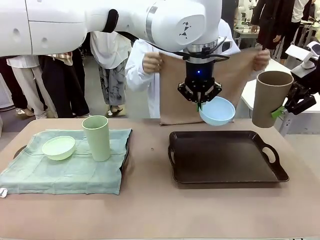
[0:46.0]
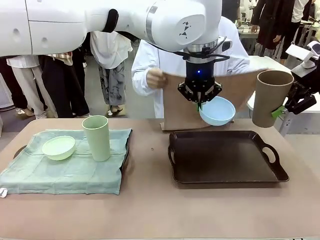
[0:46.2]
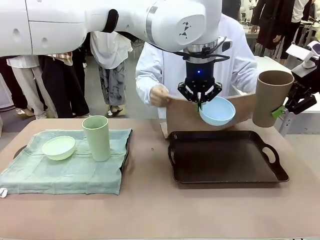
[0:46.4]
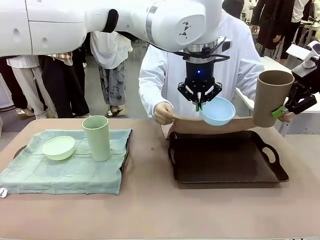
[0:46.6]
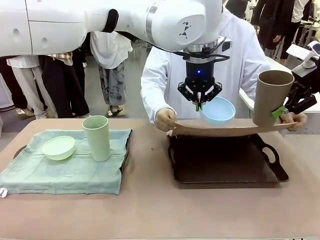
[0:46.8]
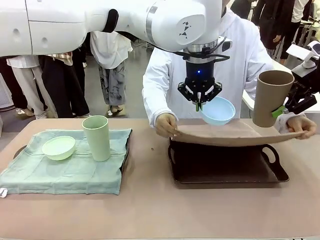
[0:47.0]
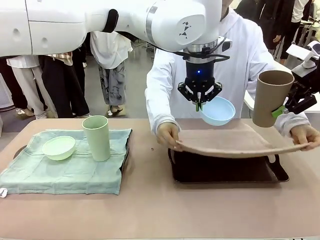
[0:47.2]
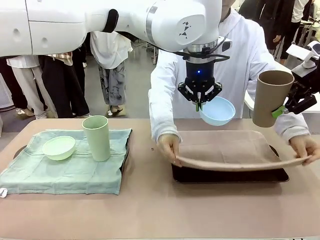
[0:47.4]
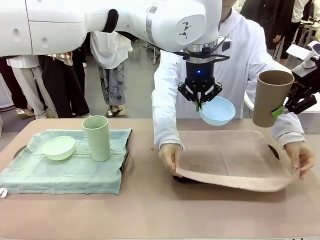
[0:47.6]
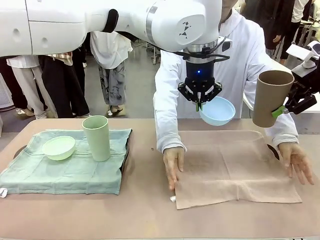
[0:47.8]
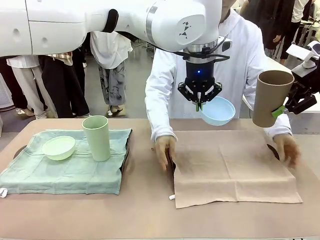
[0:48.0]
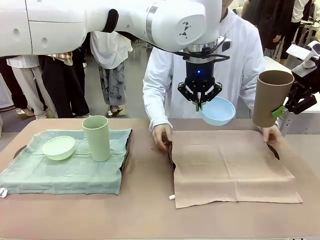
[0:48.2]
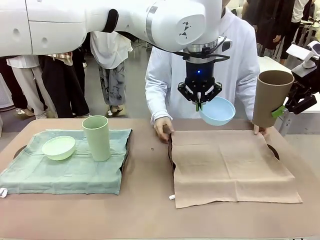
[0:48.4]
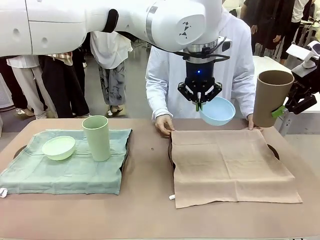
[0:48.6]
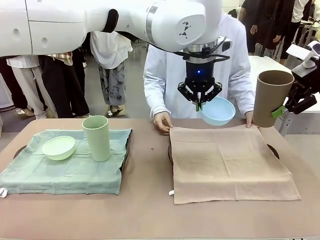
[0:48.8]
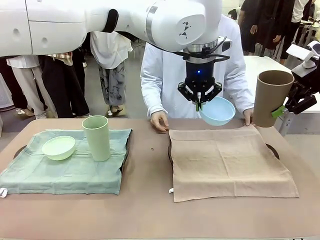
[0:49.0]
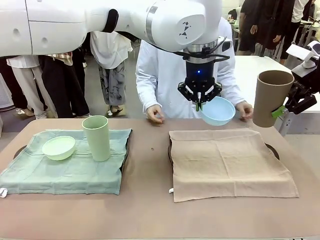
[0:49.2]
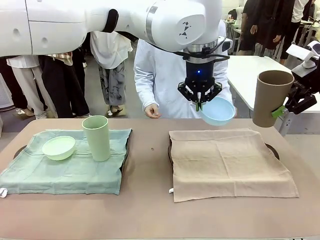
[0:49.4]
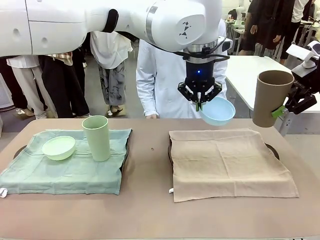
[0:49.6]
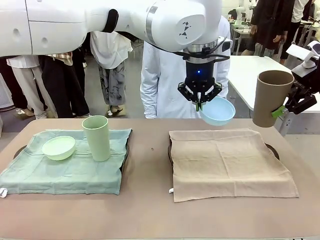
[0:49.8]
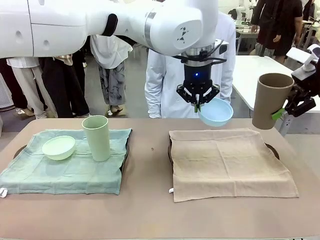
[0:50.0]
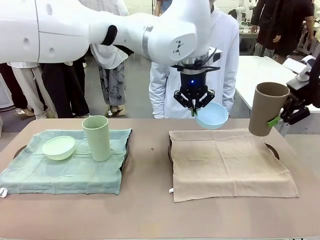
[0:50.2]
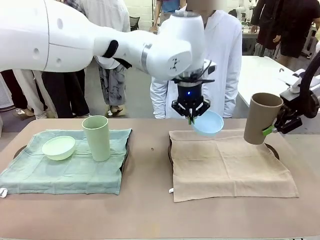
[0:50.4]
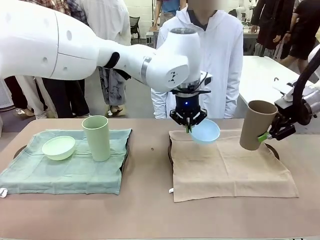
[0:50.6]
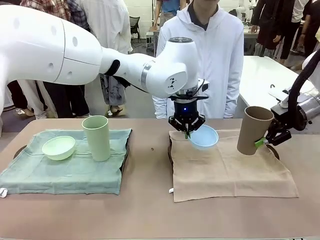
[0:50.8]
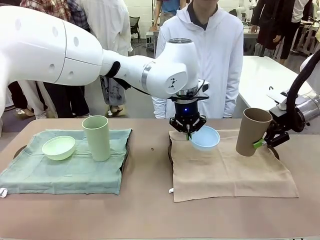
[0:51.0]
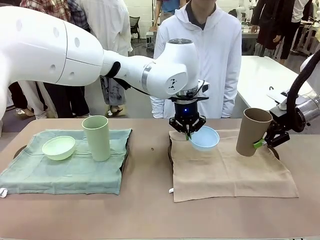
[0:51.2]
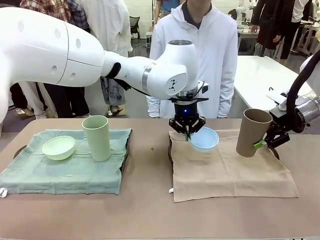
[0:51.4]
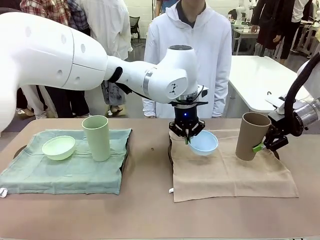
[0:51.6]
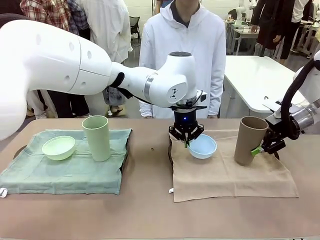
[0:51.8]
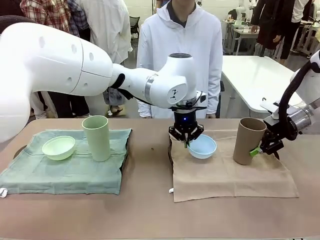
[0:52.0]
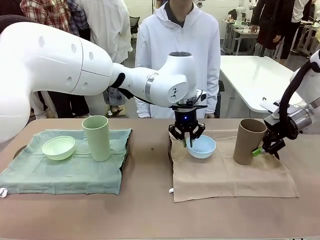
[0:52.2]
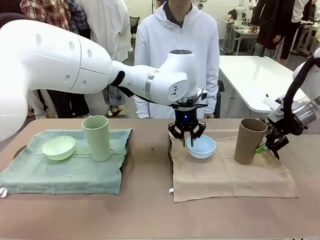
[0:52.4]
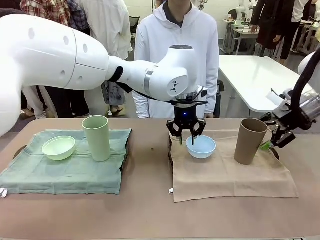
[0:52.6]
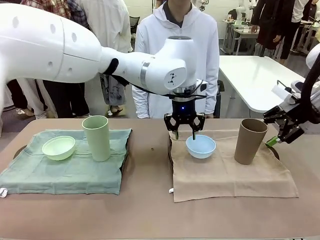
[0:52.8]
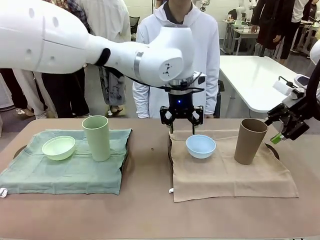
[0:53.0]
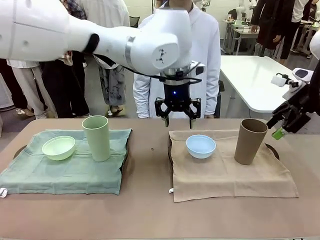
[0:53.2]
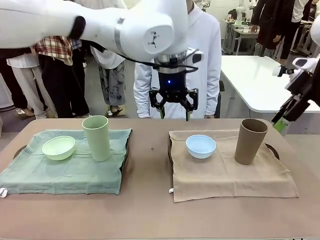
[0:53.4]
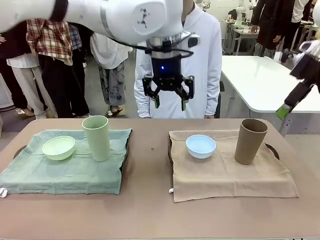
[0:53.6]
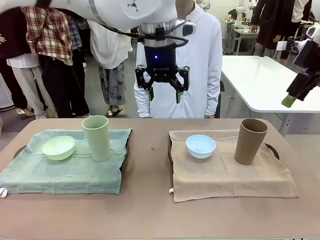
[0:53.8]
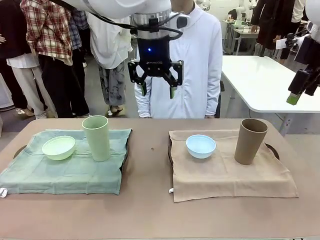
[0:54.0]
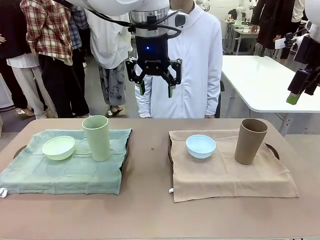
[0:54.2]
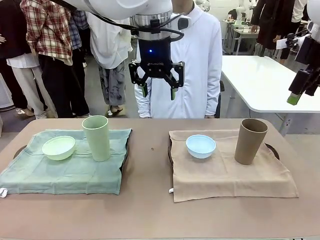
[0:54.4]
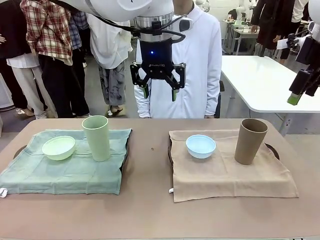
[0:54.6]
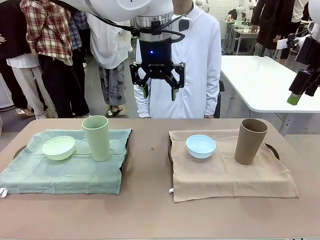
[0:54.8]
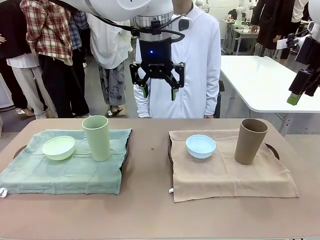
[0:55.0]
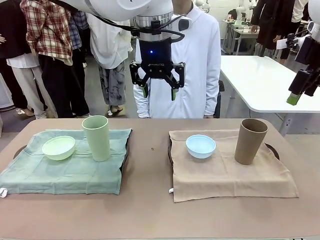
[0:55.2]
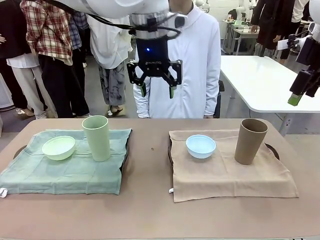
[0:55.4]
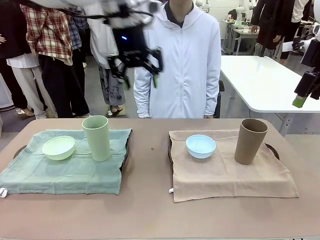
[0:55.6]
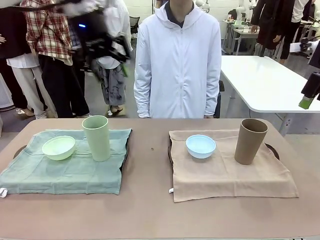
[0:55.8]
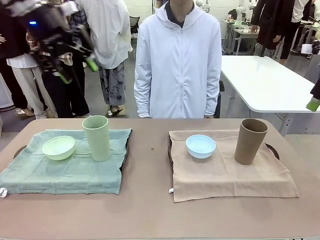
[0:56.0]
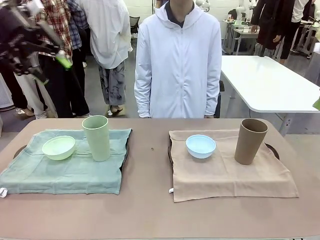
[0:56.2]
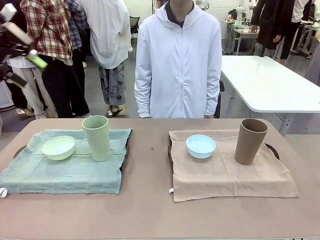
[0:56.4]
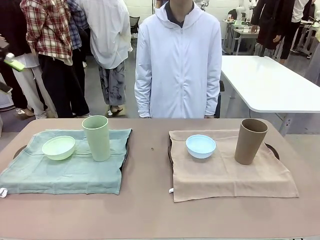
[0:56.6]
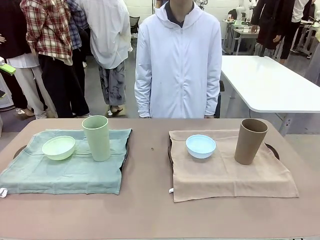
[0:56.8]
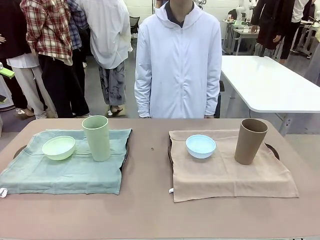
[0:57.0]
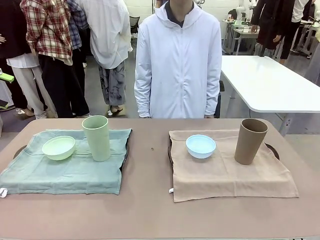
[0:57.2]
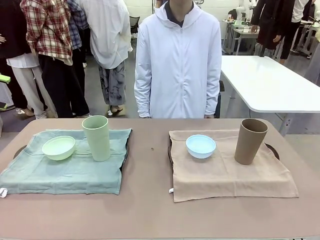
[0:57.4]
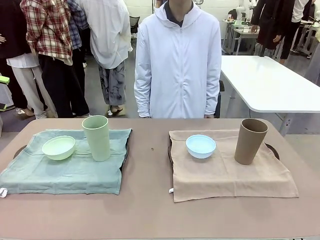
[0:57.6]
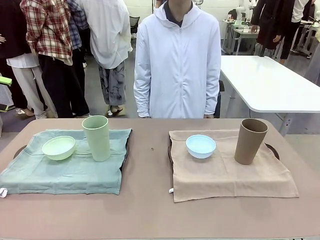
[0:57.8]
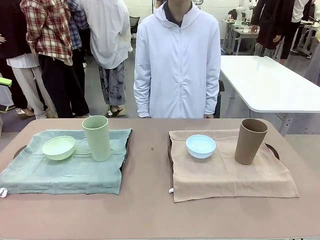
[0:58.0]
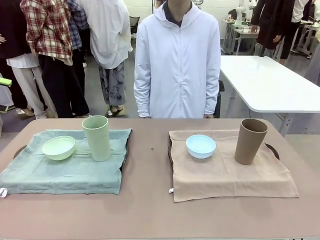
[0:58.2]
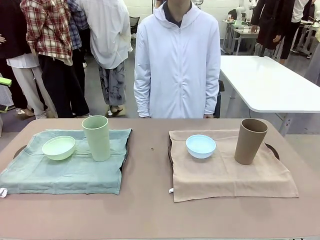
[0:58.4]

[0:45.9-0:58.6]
Robot: Place the Picnic Bowl and Reusable plastic cup back onto the Handle tray in front of the human's position.

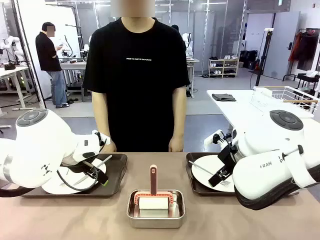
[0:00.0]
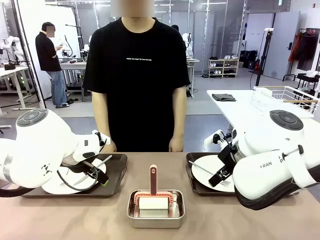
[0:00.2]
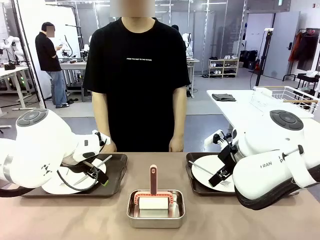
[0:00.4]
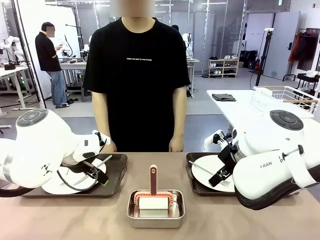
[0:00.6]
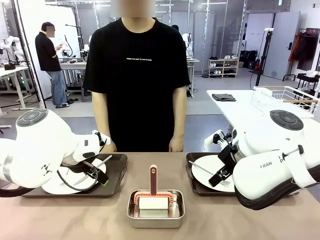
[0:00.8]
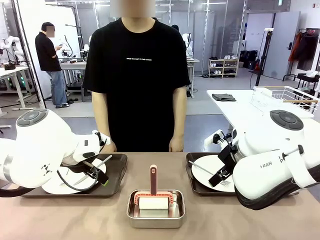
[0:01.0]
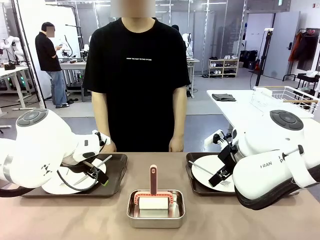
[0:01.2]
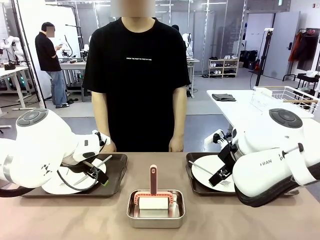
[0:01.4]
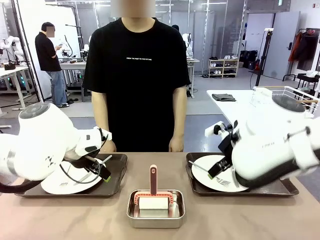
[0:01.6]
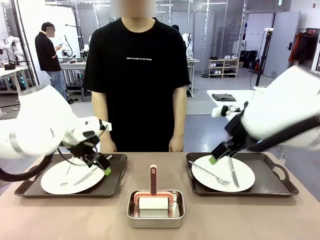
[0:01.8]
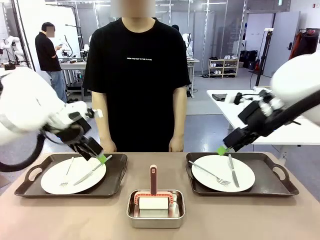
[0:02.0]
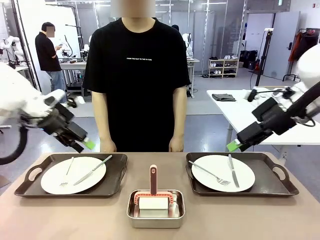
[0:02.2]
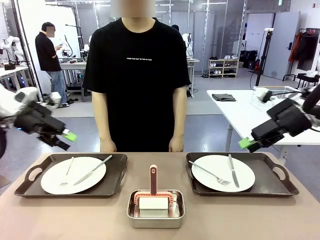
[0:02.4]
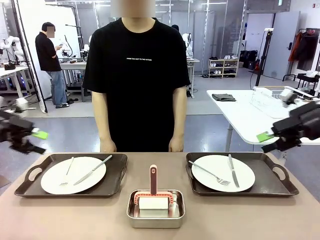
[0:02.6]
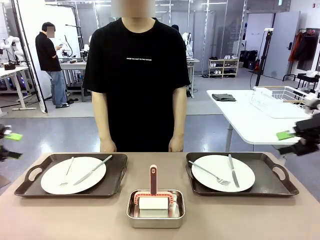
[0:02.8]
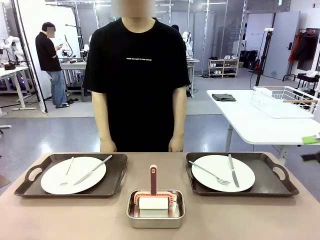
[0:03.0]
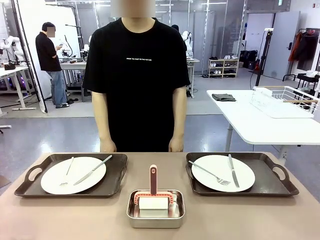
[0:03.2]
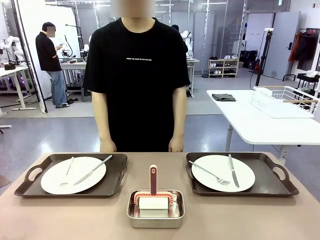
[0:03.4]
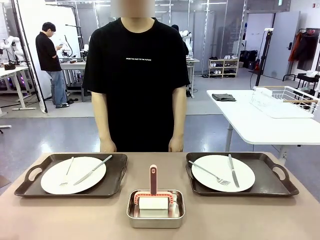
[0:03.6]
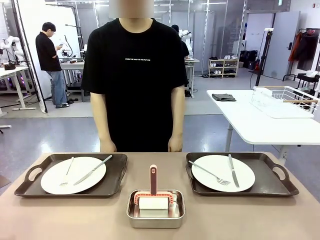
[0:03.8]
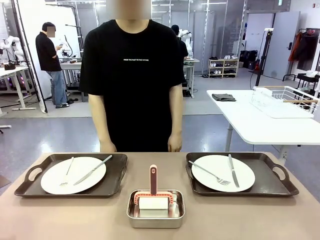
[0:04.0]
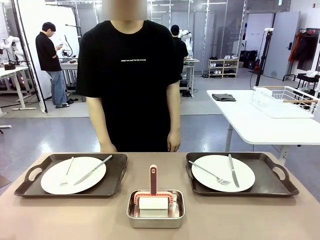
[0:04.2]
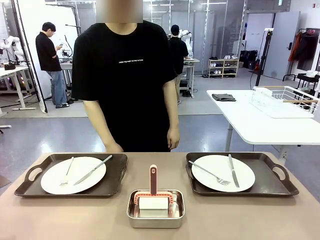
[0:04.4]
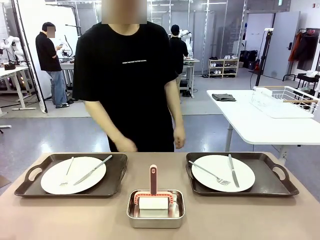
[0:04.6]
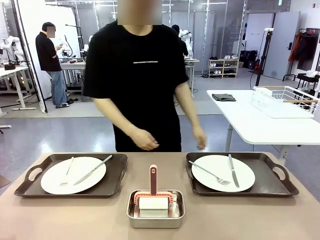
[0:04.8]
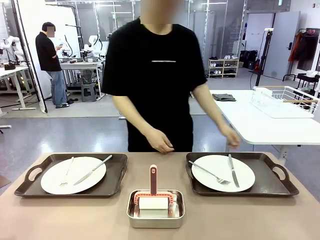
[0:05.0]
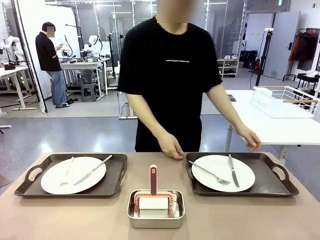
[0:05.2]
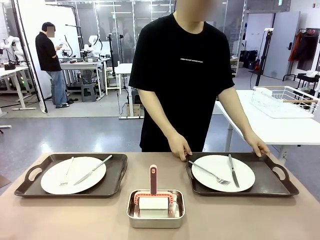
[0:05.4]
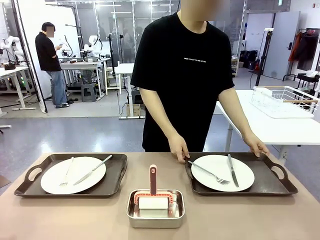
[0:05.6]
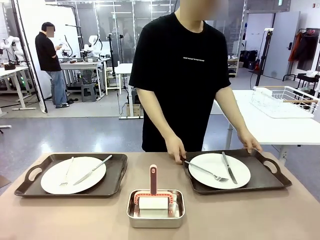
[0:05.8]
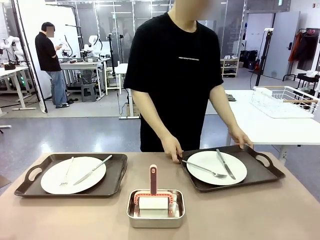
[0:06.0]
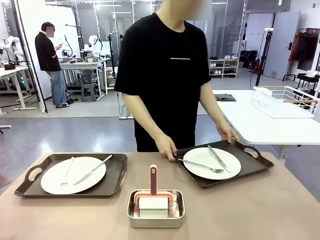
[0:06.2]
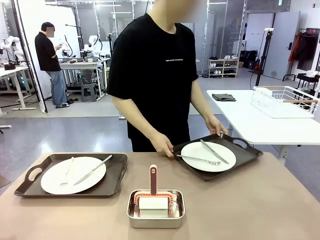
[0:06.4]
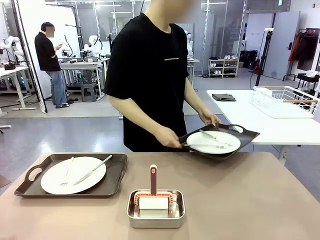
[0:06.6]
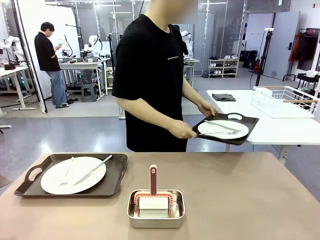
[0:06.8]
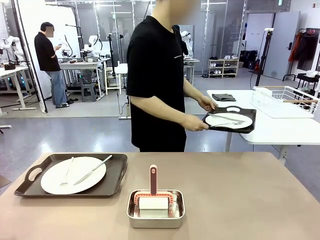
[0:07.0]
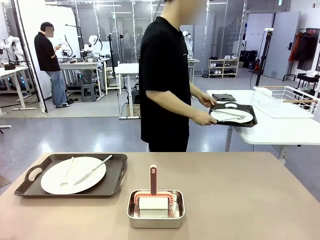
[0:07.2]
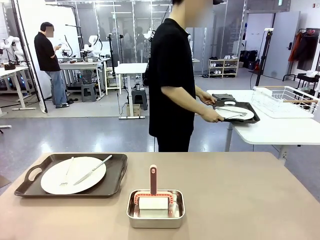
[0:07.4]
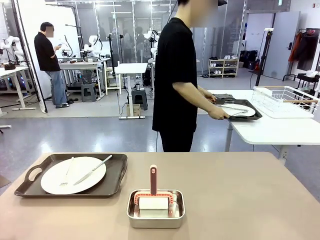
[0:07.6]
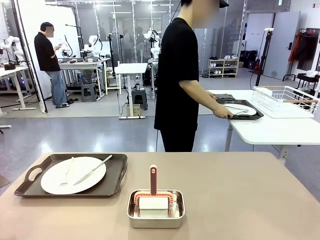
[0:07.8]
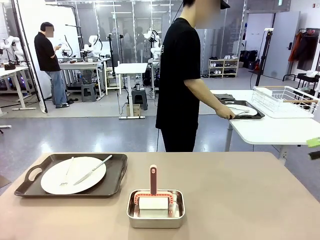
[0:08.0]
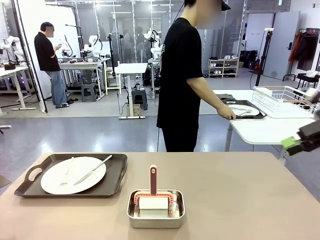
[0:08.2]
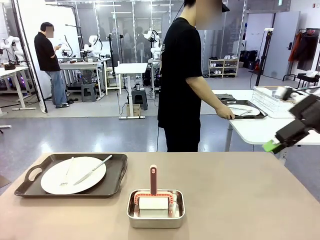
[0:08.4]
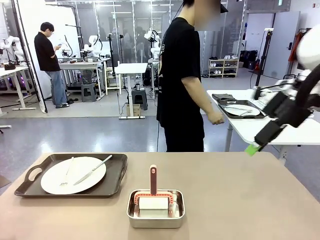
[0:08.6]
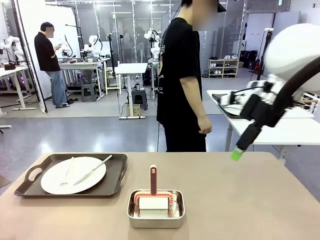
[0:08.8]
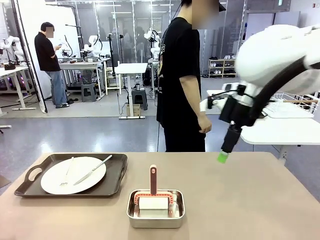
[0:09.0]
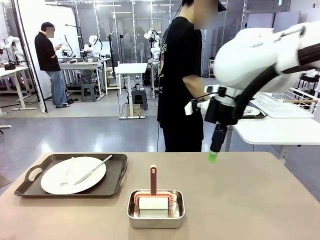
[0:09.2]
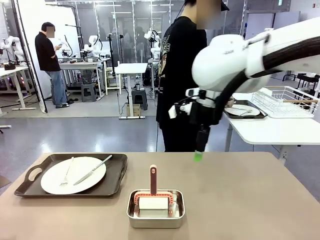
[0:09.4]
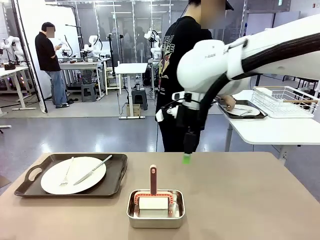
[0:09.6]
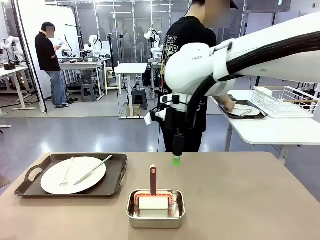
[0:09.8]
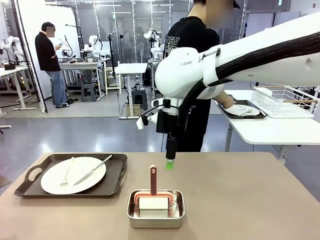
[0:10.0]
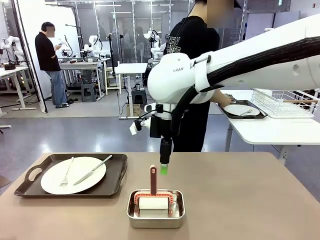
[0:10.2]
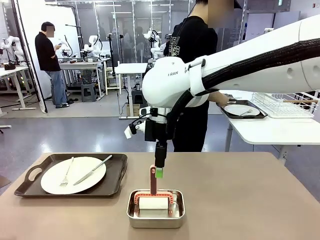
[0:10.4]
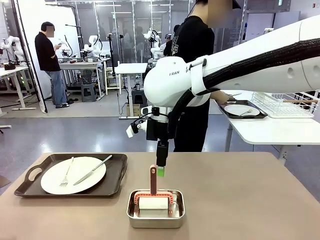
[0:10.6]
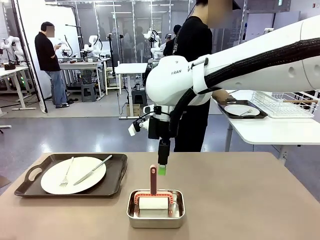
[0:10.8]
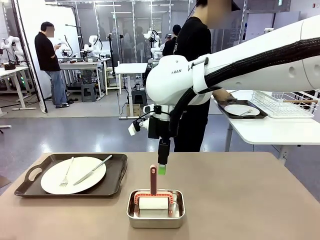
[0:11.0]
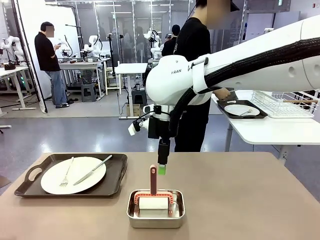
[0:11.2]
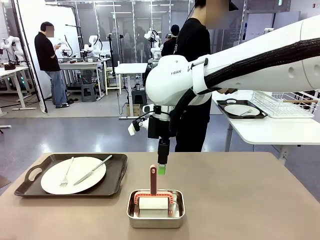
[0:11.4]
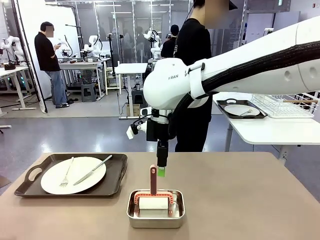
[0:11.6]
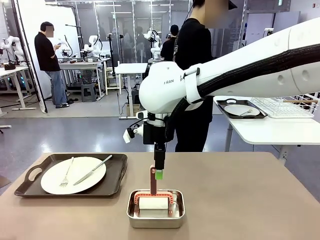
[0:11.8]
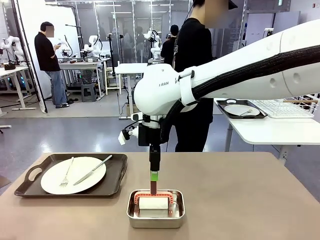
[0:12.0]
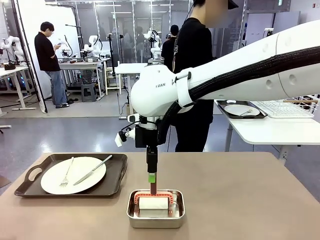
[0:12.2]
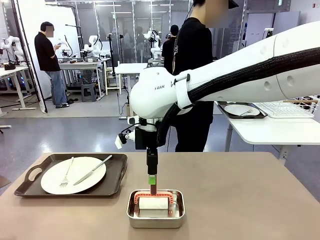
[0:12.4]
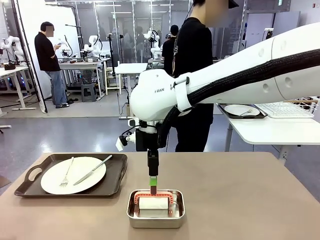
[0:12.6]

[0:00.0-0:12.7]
Robot: When the left (or right) Handle tray is removed, use the left hand (or right hand) to clean the left (or right) side of the table with the Lint Roller.
Person: Pick up the left (or right) Handle tray and place it on the middle of the Human's table.
